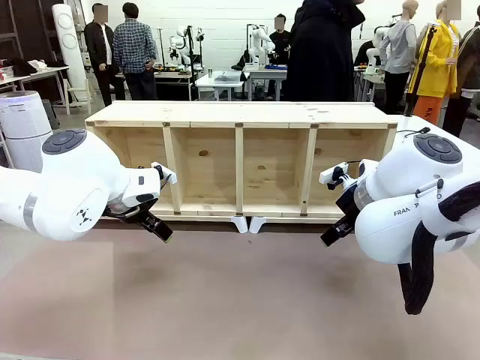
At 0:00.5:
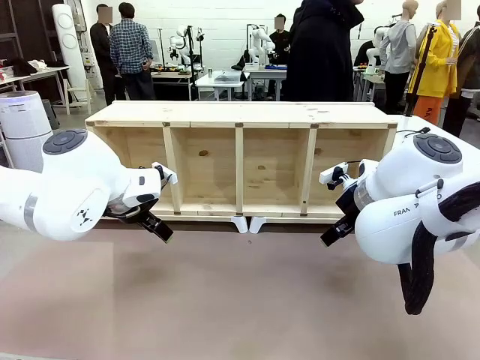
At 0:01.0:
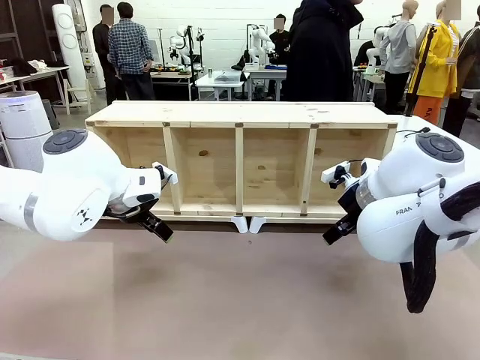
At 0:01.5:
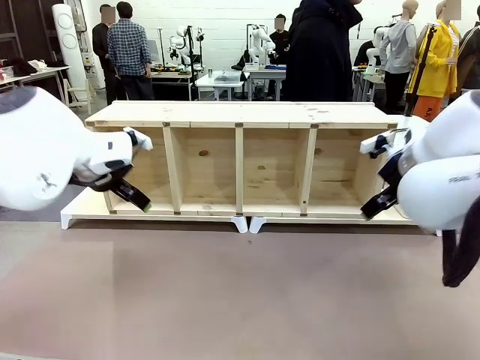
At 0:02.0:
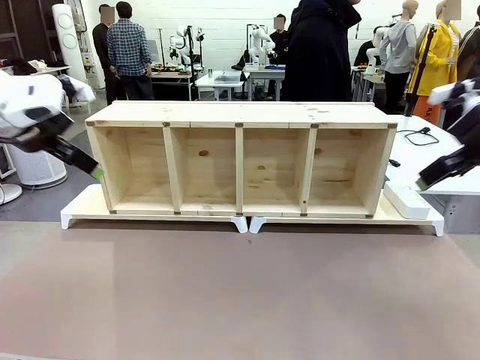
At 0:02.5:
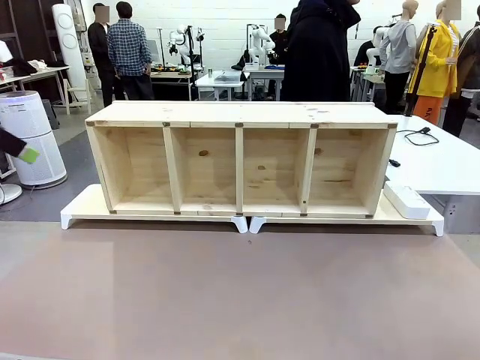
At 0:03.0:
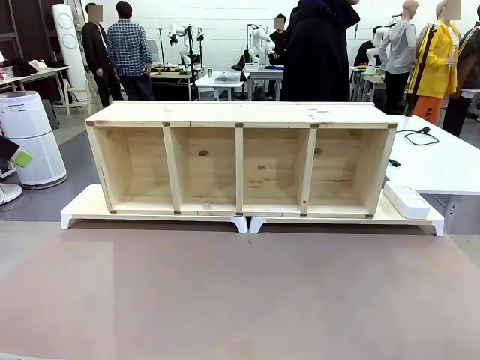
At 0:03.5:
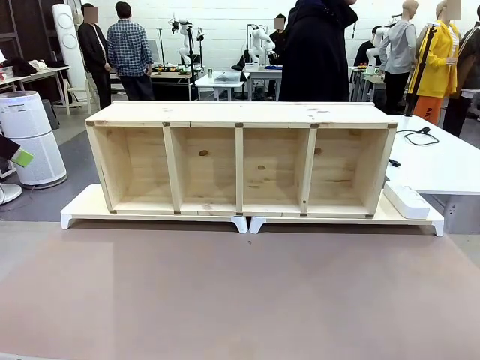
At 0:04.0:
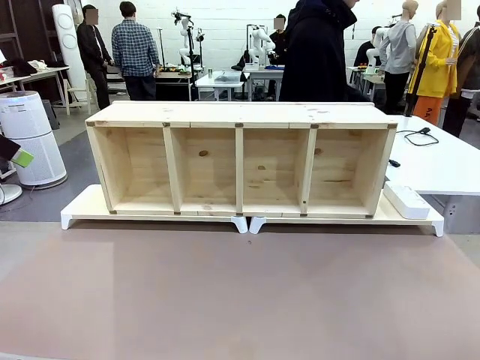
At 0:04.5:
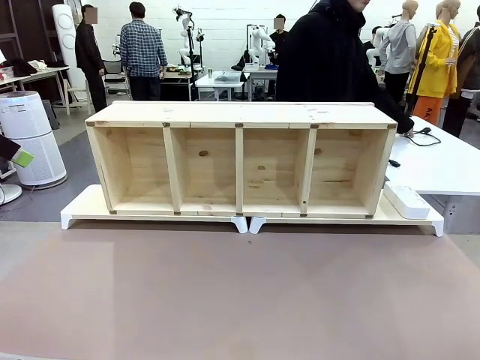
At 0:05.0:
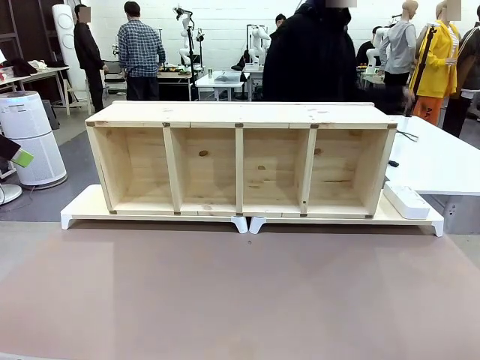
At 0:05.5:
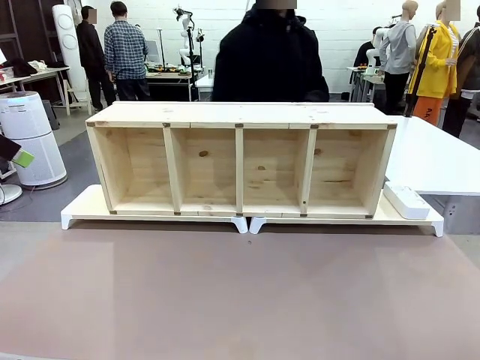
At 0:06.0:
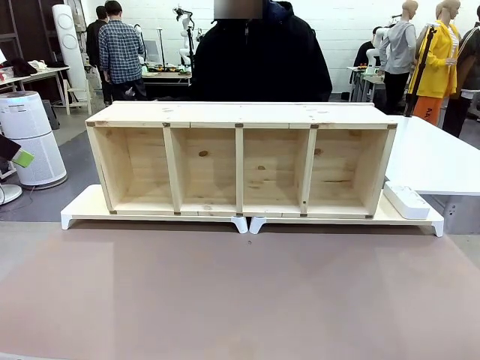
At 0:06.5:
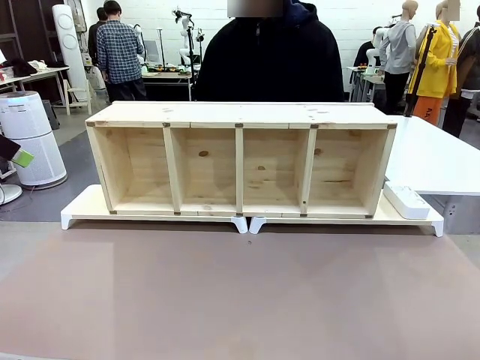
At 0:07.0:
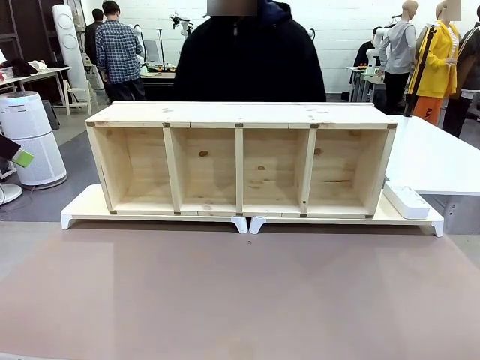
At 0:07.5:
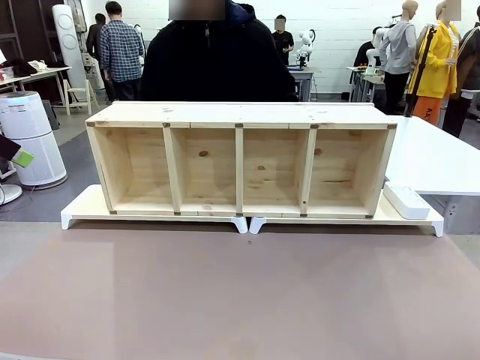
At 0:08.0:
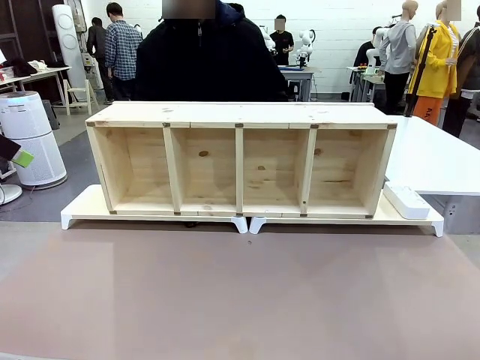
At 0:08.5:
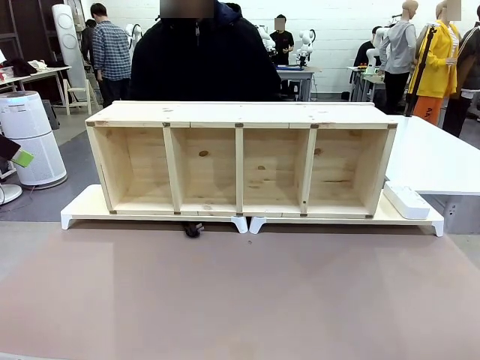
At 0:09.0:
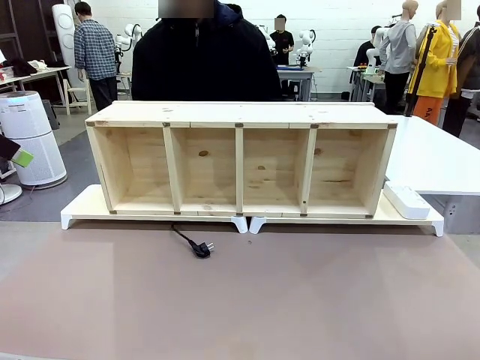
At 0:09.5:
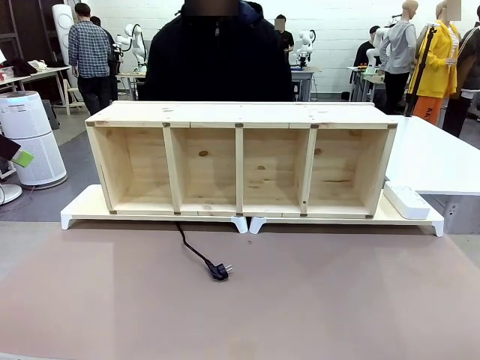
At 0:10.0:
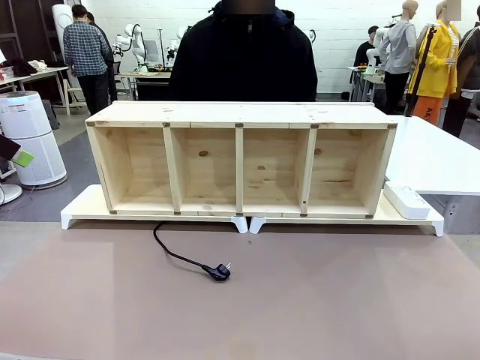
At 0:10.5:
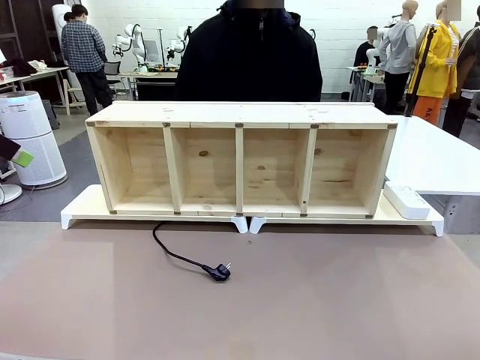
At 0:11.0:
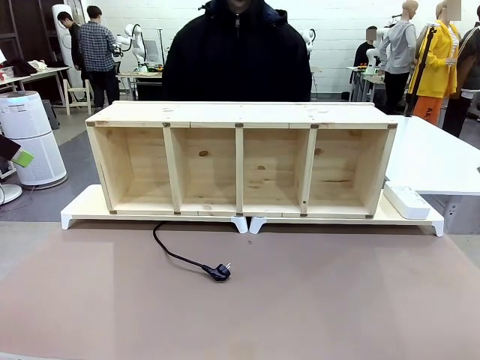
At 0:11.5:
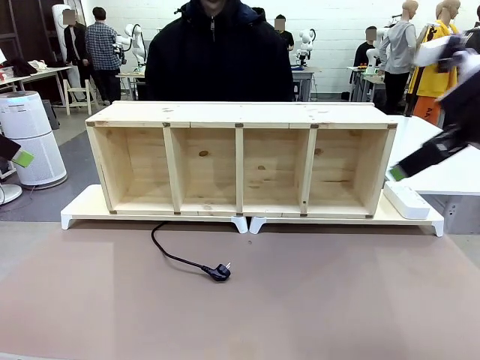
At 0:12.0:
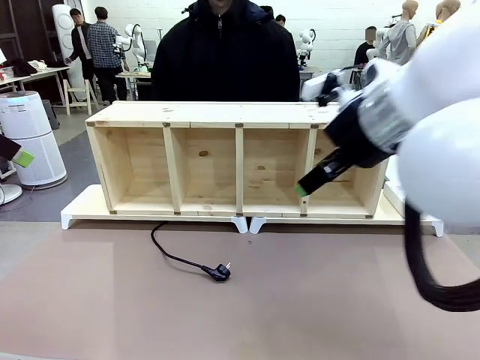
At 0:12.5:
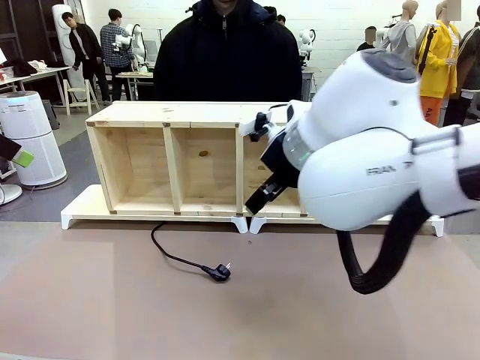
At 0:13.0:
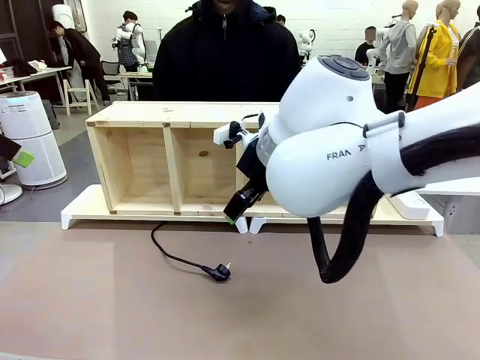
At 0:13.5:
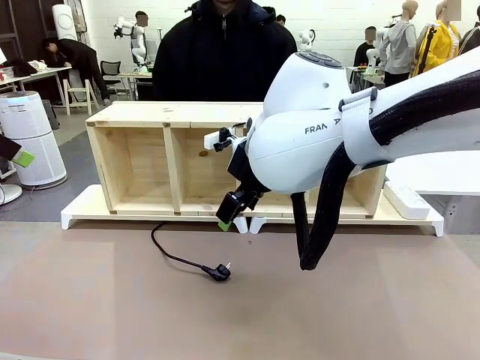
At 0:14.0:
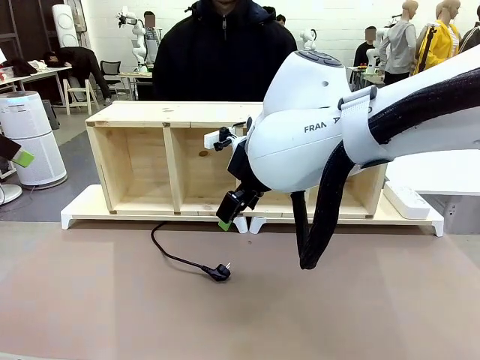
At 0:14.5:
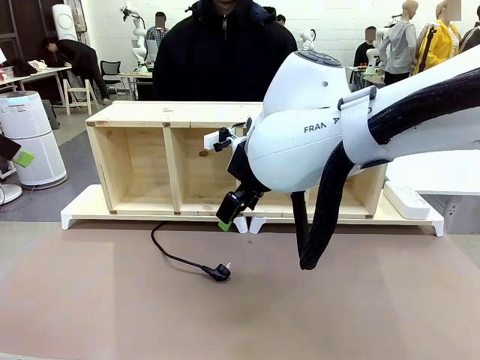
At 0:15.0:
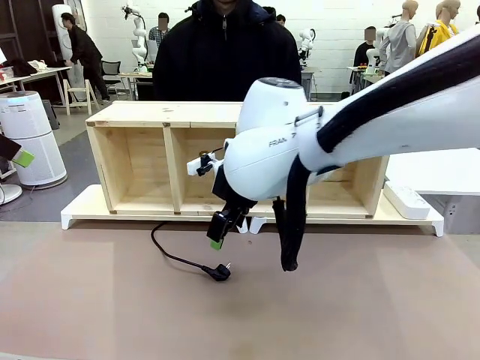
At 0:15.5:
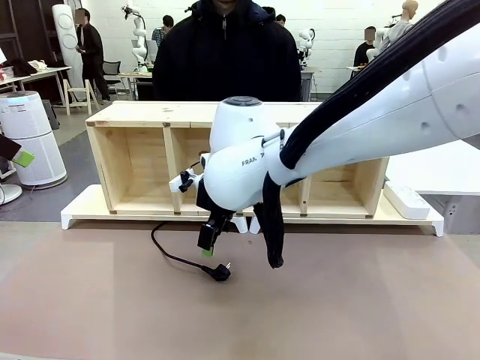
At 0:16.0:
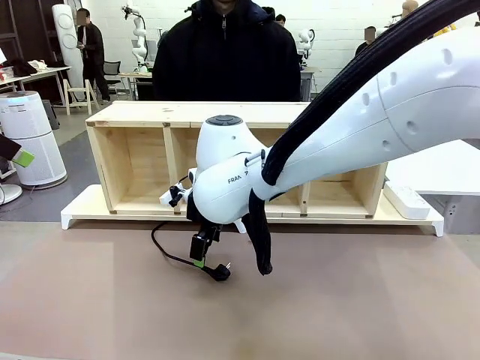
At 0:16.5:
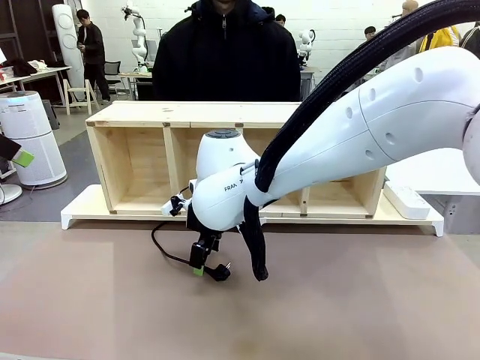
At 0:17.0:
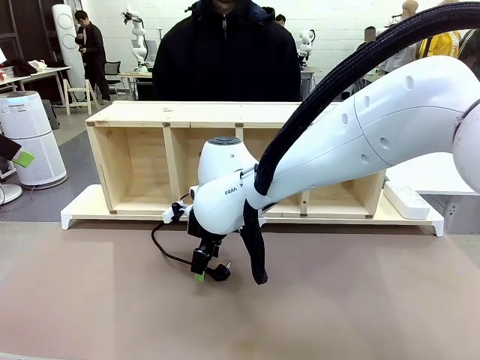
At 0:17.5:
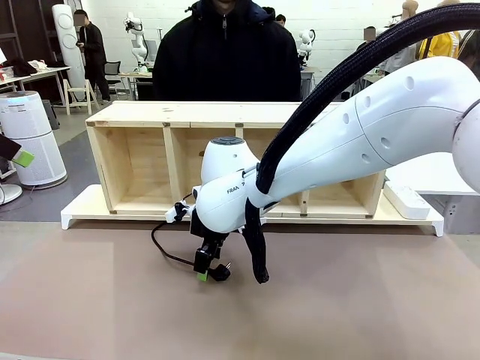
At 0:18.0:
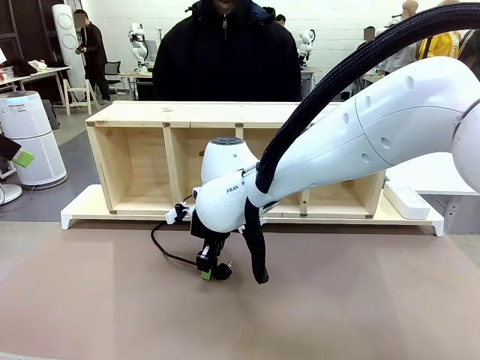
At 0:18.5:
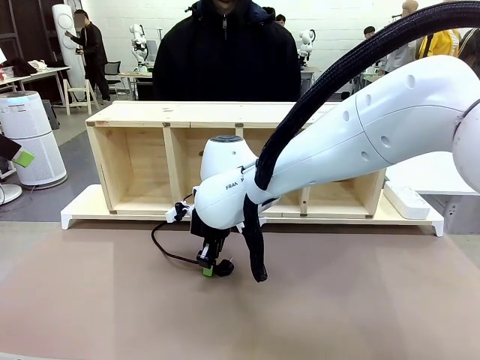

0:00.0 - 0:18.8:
Task: Perform cable management.
Robot: When the cord part of the Power Cable appears at the lower middle area of the table and stops, grasp the cord part of the Power Cable.
Person: Pass the Power Cable under the Serving Table.

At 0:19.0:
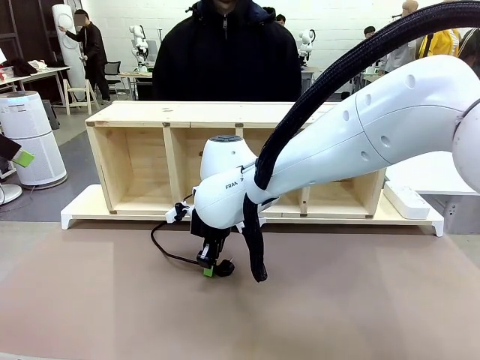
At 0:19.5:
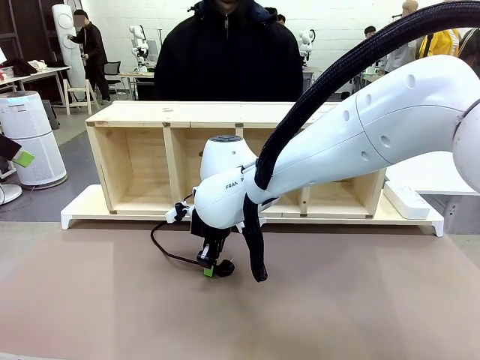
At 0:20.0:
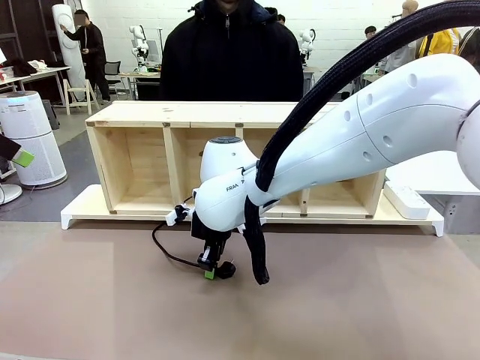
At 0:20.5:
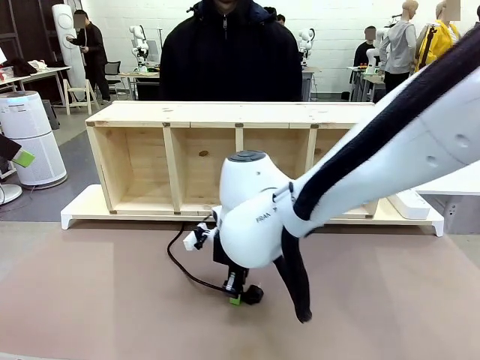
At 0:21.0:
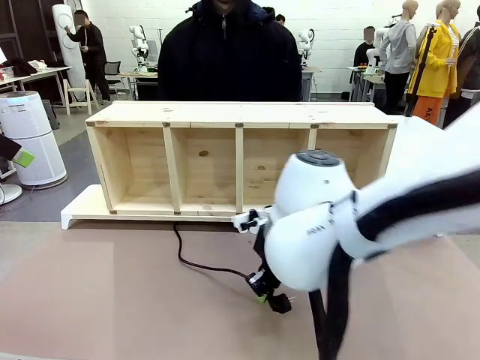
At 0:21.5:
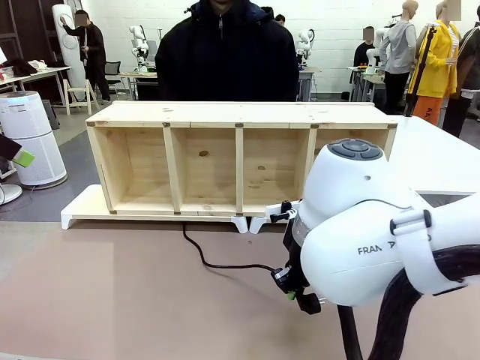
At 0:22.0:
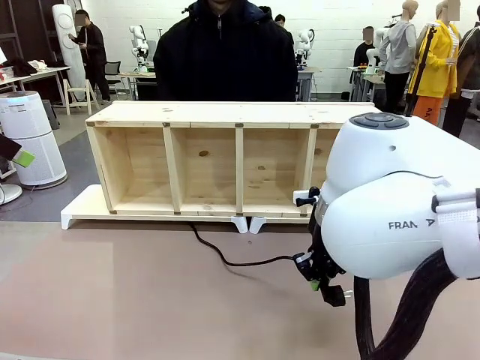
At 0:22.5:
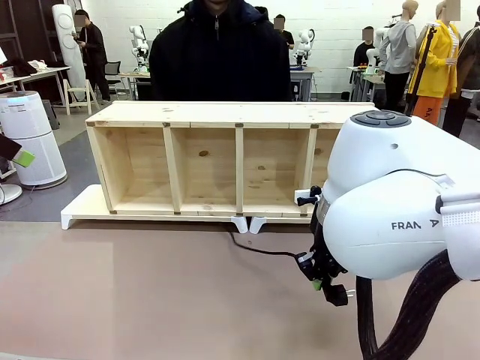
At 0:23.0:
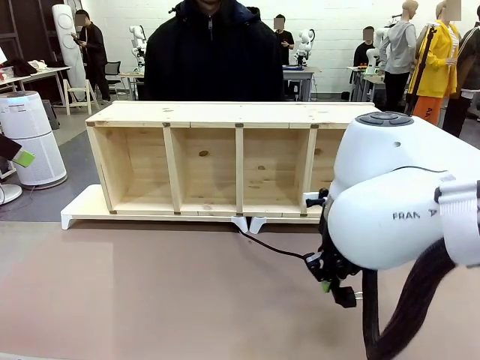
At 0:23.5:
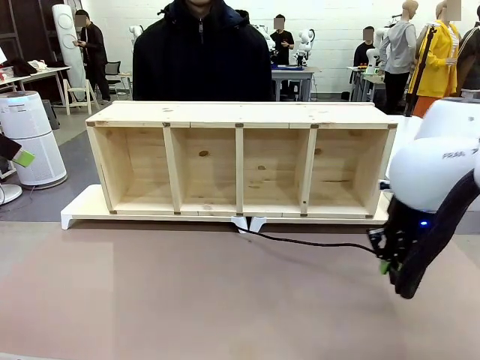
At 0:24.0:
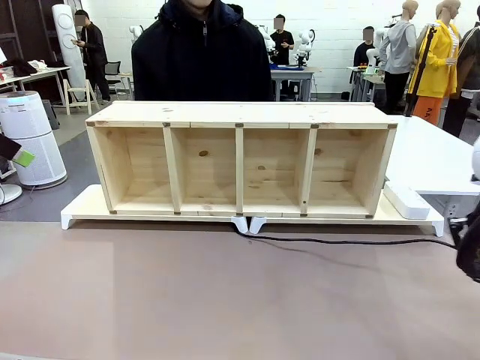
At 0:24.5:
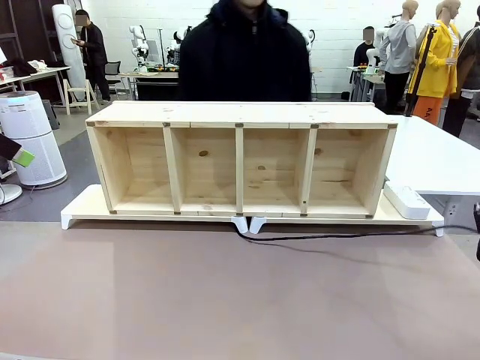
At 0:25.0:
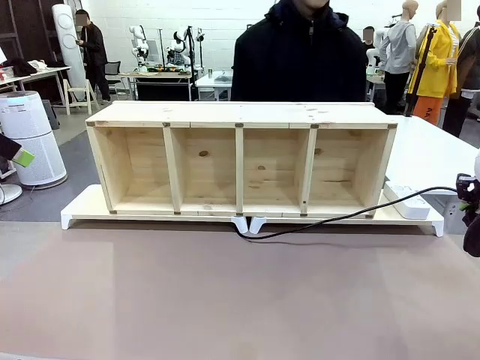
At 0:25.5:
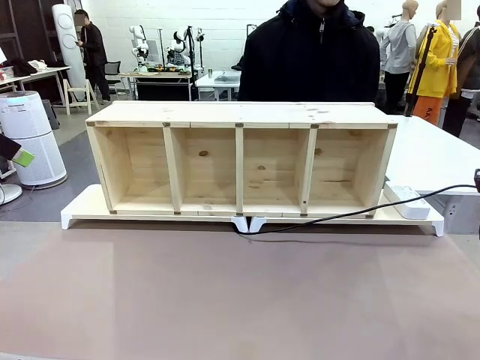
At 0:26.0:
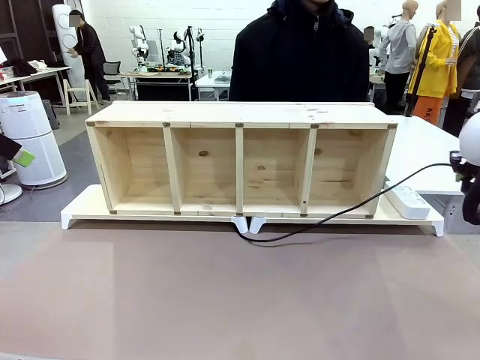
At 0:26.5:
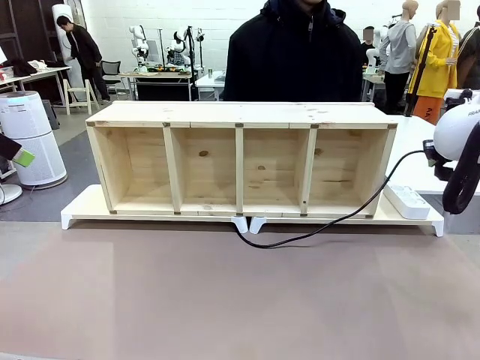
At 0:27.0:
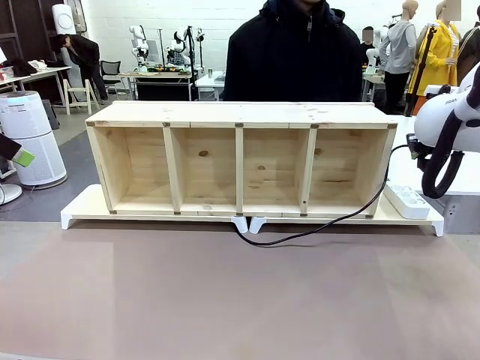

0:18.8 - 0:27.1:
Robot: Pull the grasped Power Cable to the location of the Power Strip.
